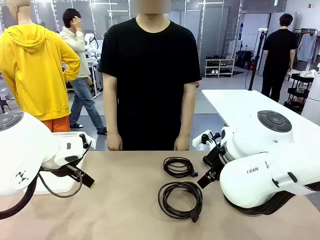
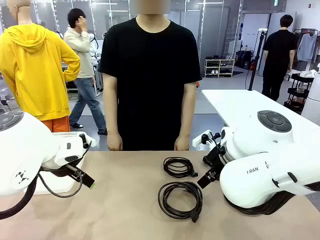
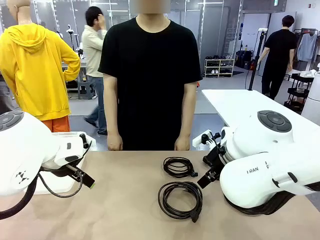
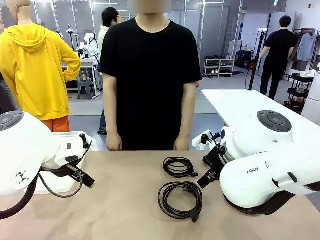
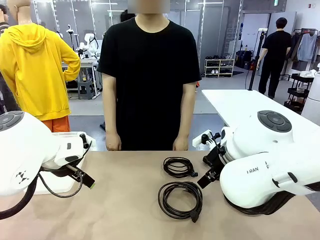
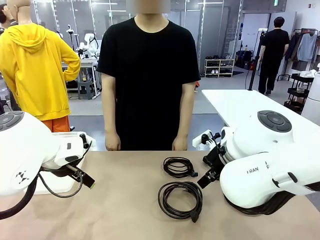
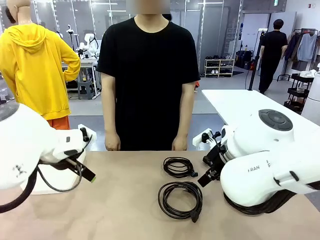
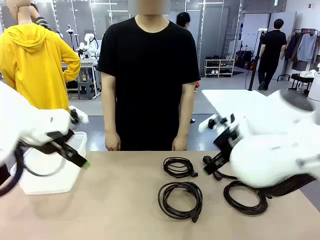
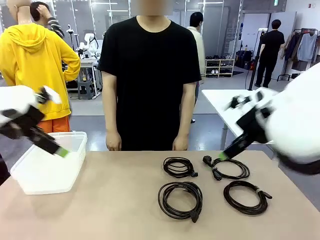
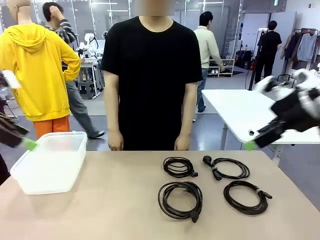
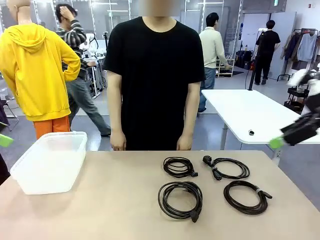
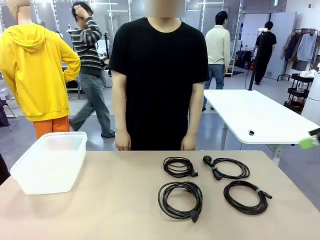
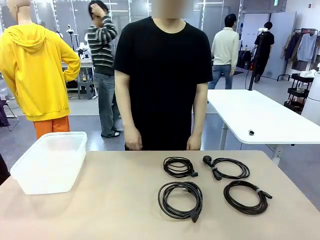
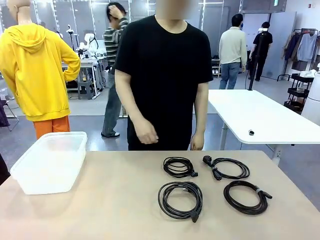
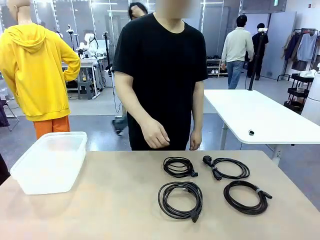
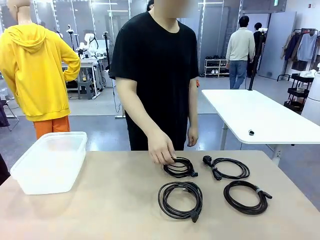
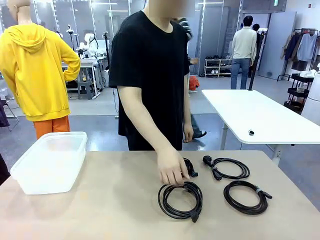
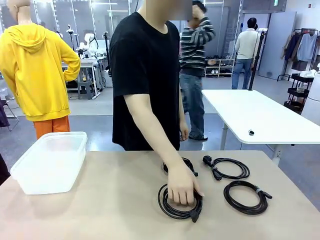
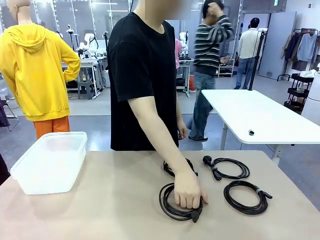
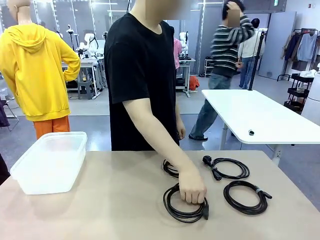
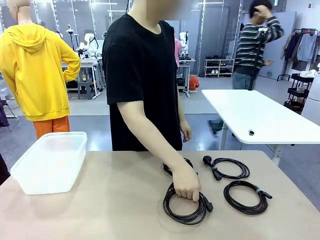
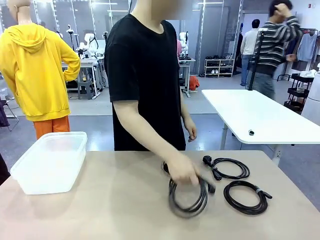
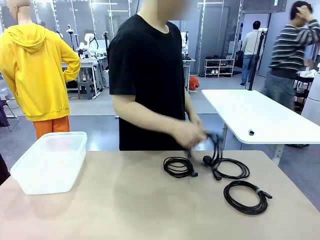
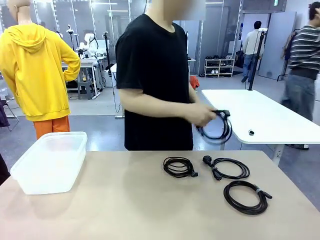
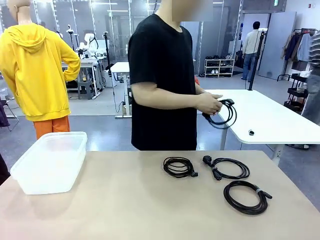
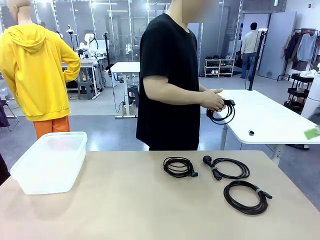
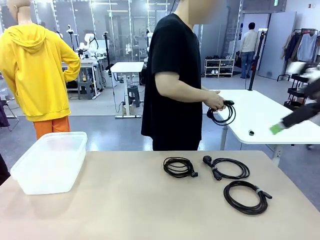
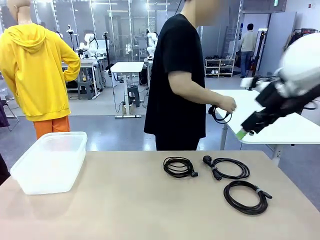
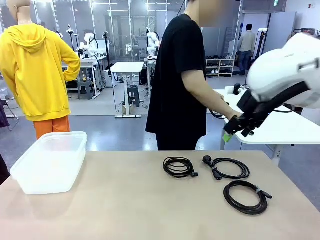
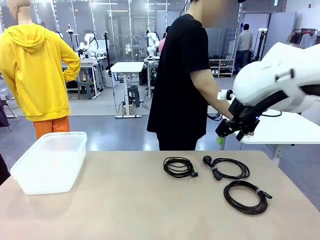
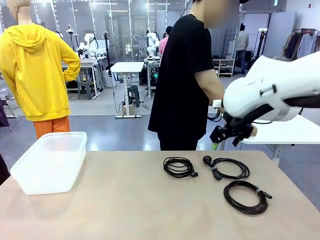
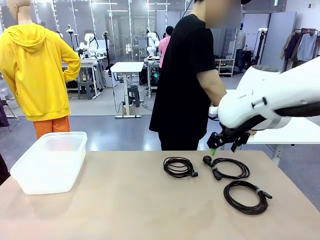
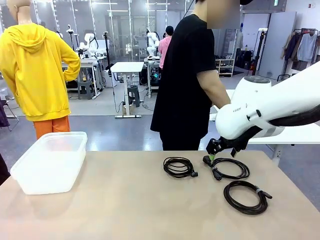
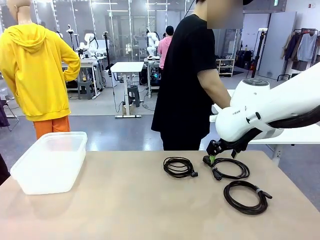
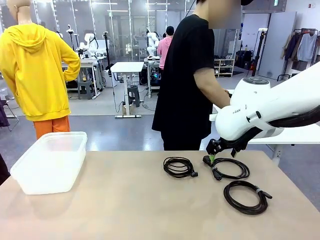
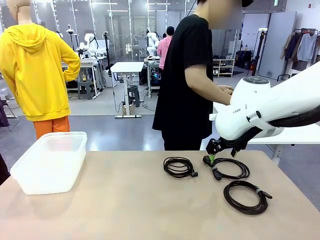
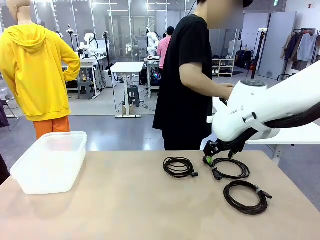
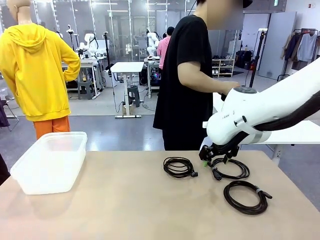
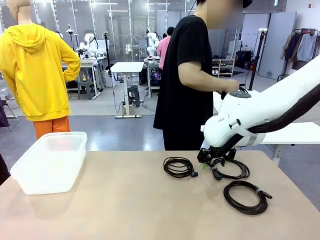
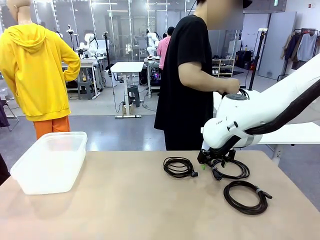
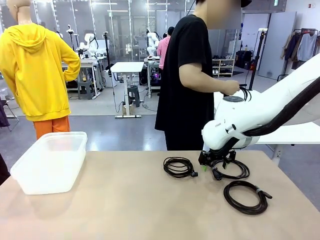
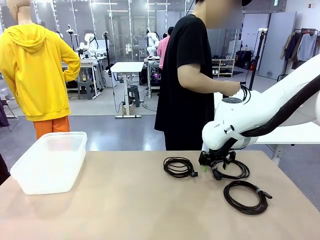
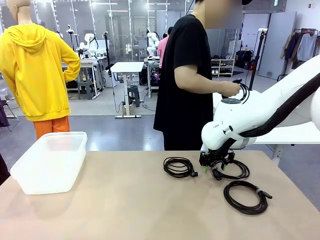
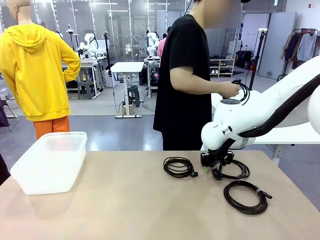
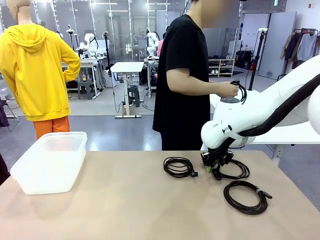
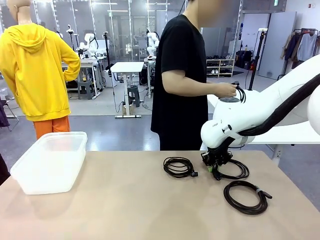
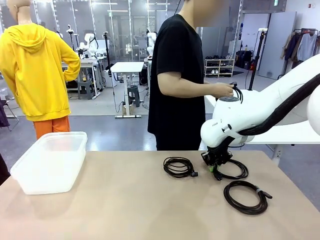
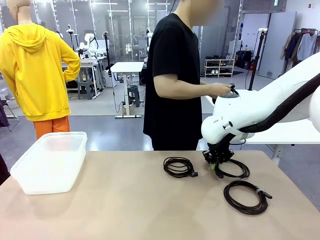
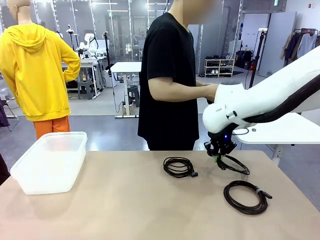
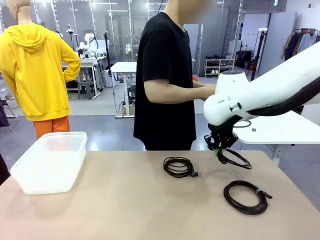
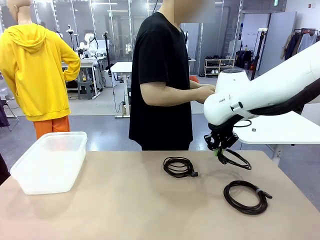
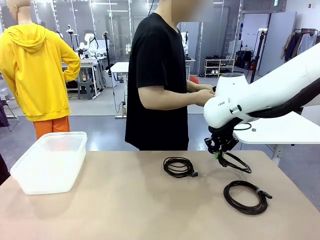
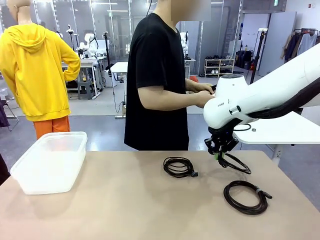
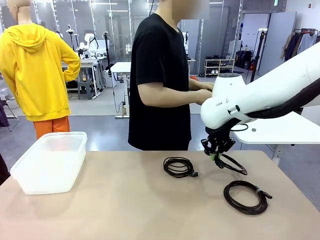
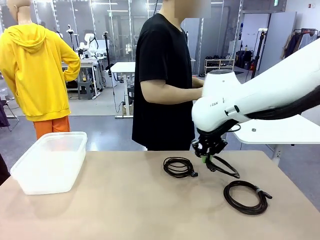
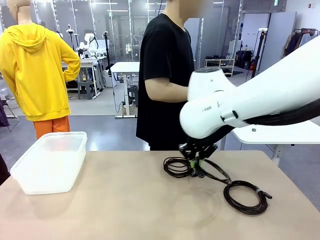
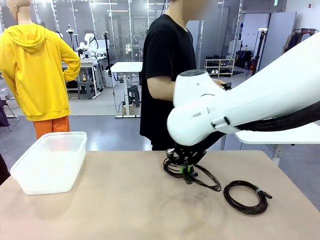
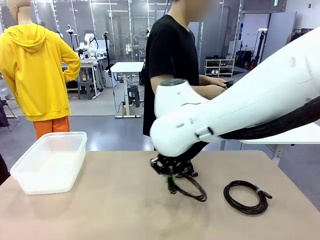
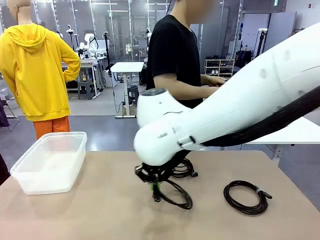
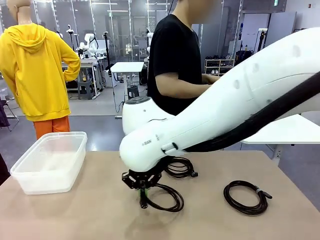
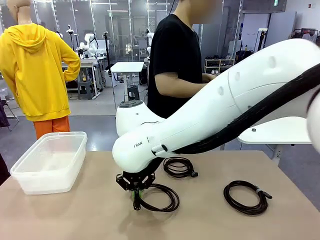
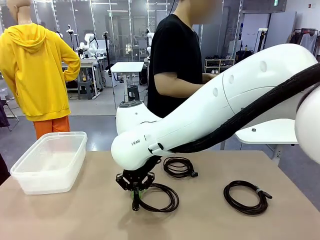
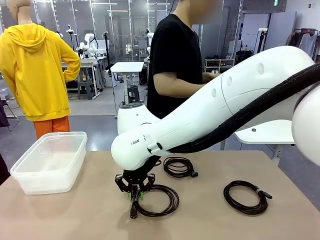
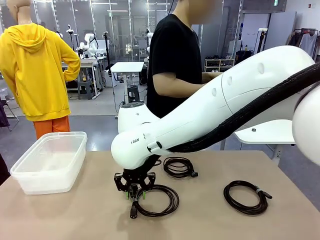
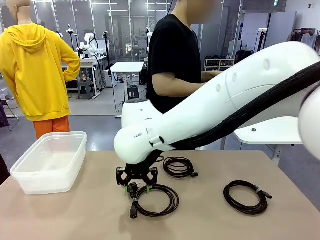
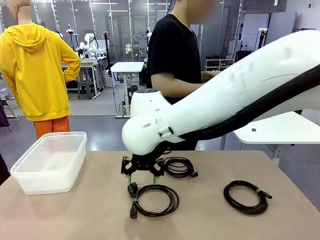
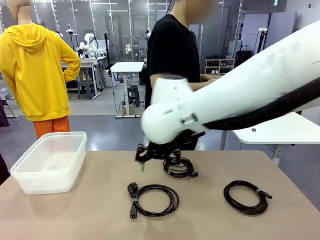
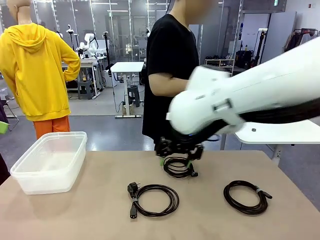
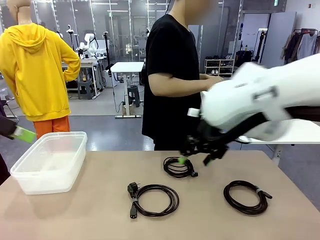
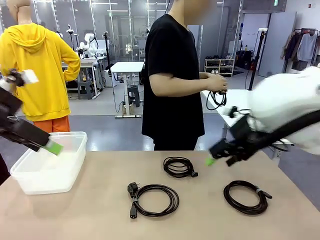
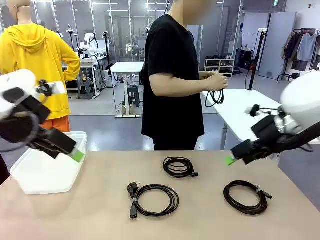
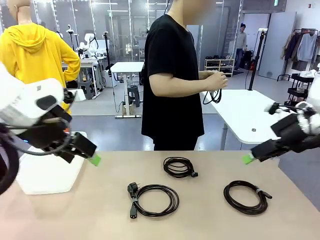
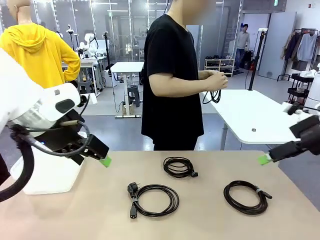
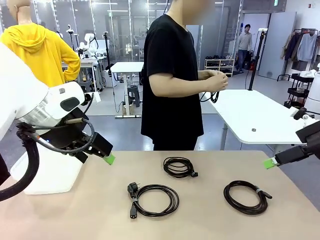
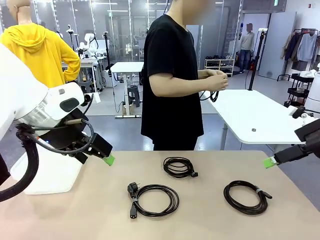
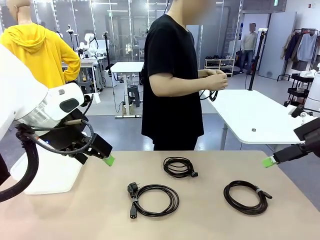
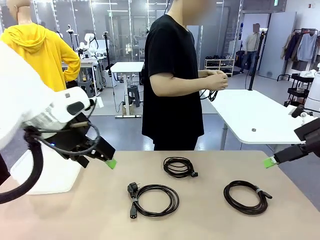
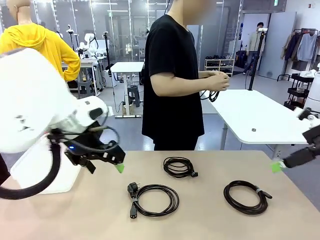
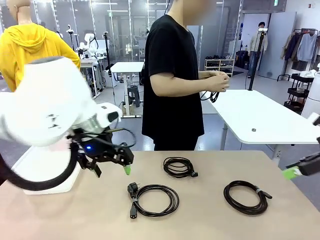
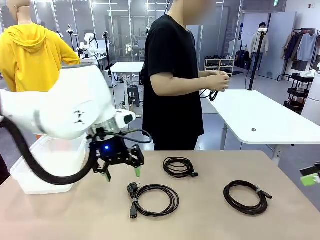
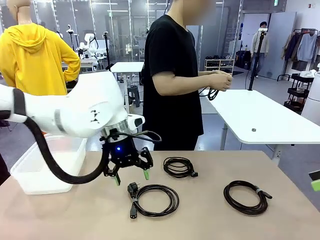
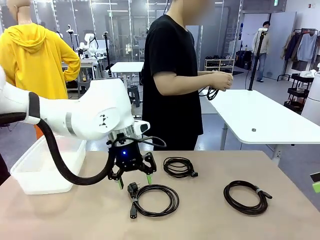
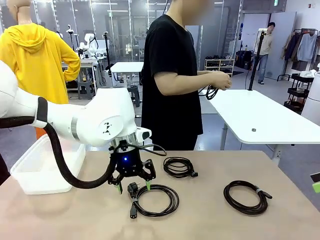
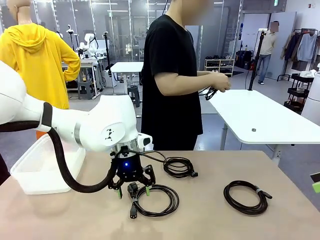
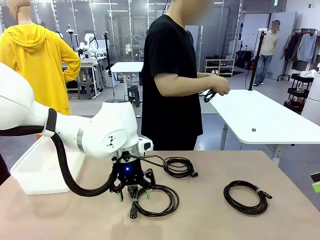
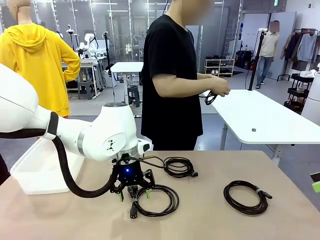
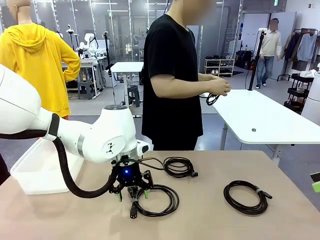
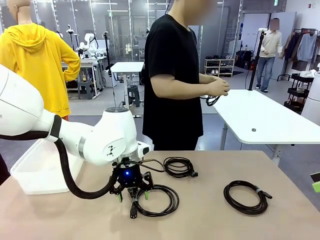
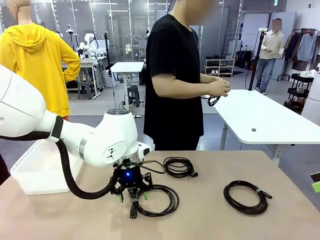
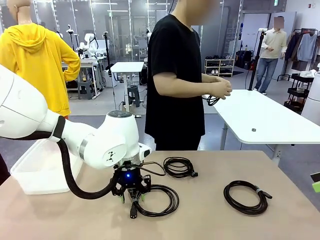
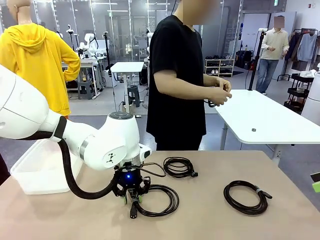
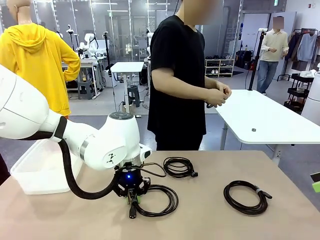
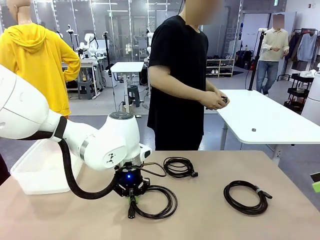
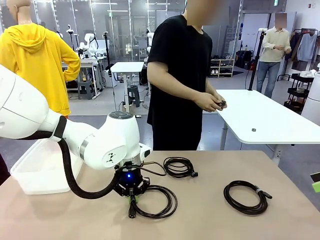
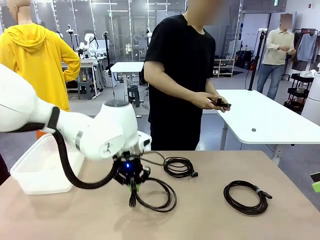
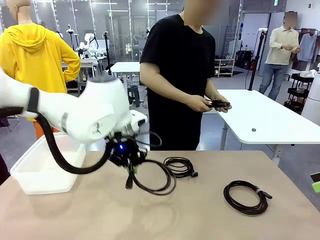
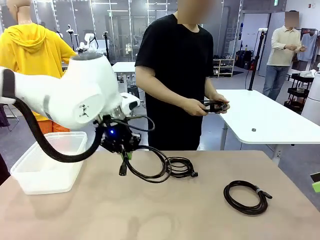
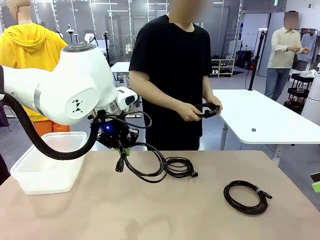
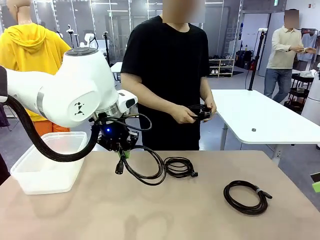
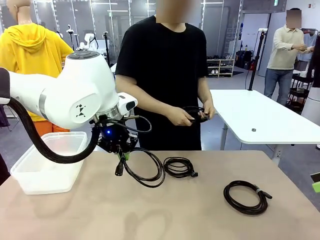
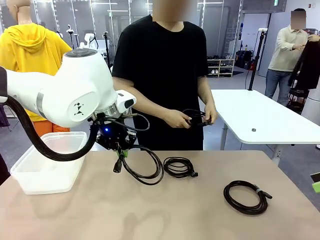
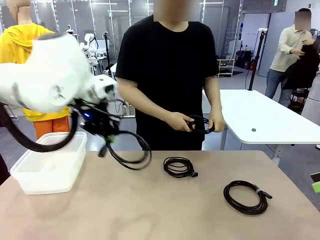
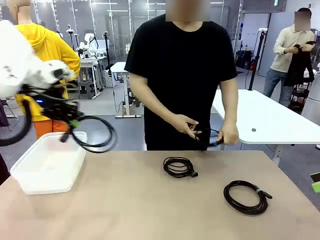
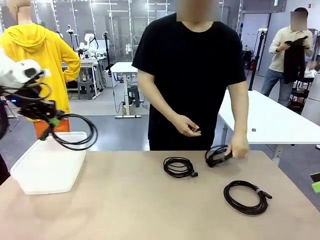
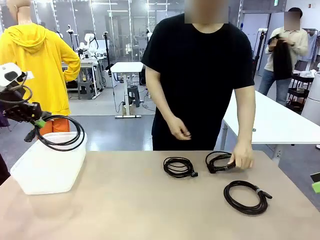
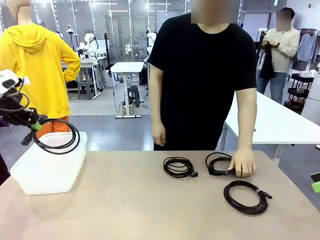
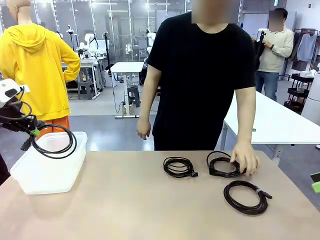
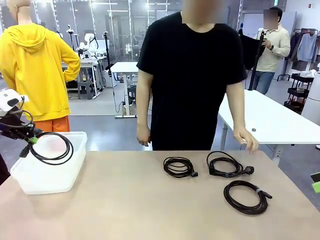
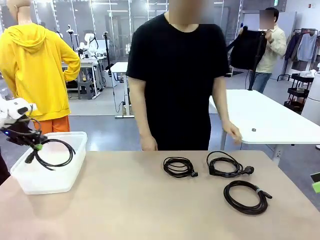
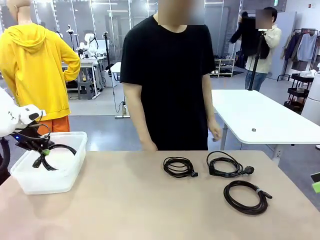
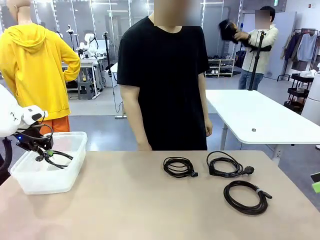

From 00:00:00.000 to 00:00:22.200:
Task: Organize and store the cables.
Robot: Place the Power Cable into the Organizing box.
Person: Tie one Power Cable with a Reusable Cable Tie.
